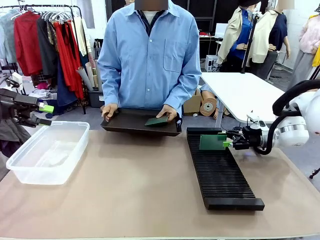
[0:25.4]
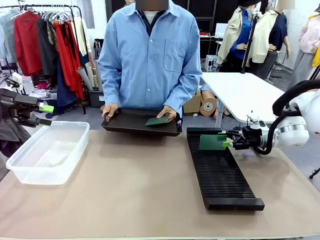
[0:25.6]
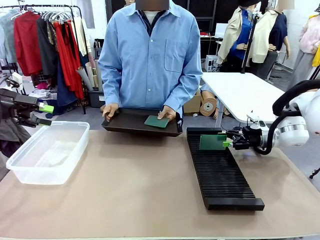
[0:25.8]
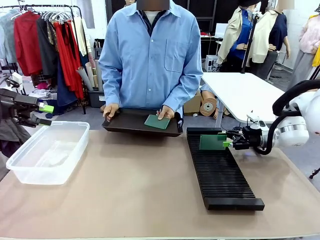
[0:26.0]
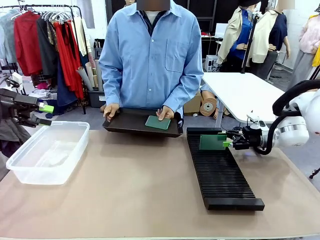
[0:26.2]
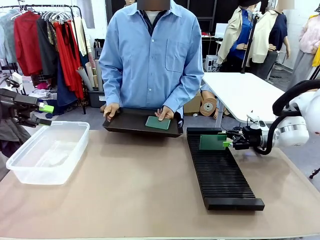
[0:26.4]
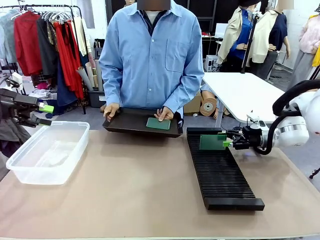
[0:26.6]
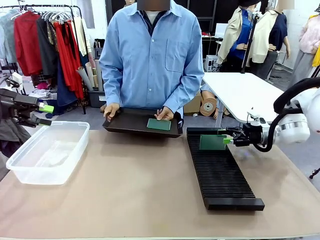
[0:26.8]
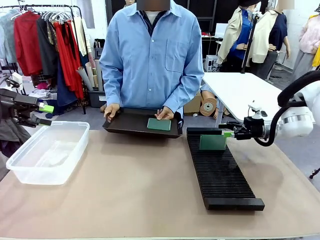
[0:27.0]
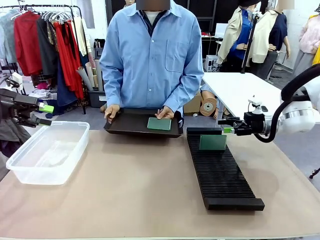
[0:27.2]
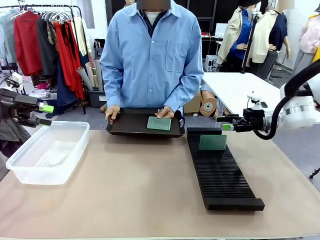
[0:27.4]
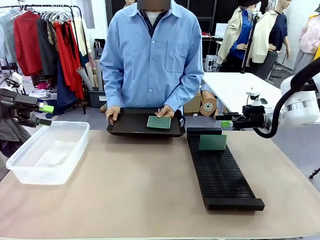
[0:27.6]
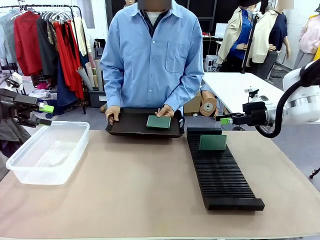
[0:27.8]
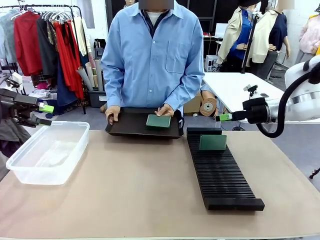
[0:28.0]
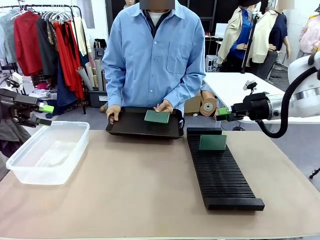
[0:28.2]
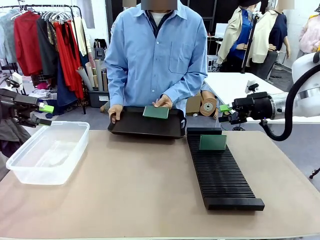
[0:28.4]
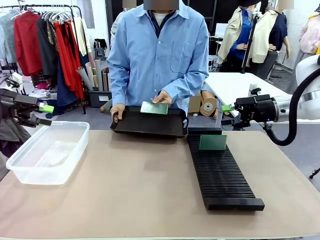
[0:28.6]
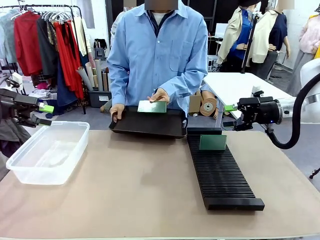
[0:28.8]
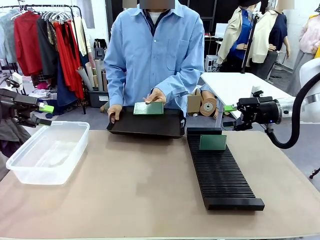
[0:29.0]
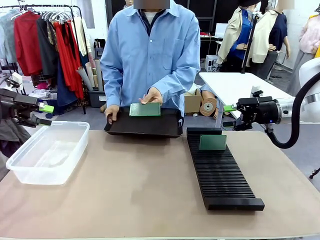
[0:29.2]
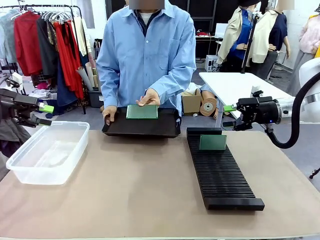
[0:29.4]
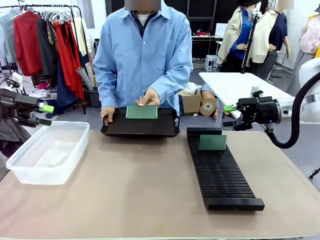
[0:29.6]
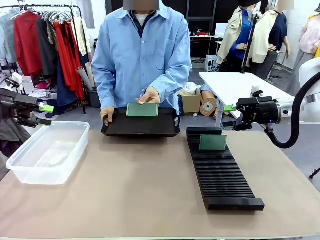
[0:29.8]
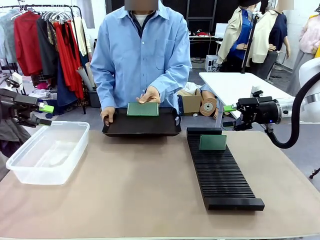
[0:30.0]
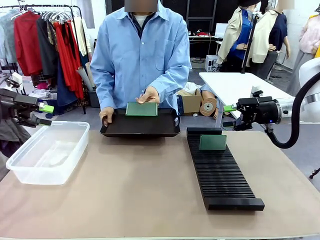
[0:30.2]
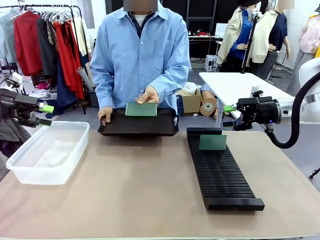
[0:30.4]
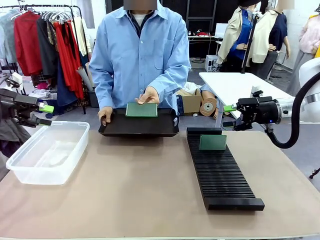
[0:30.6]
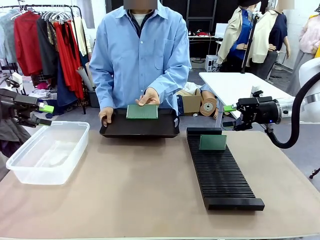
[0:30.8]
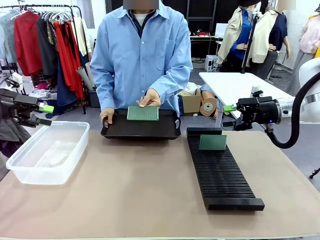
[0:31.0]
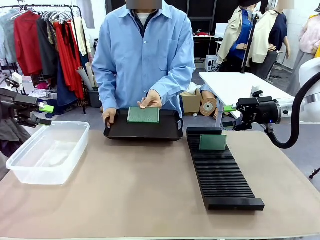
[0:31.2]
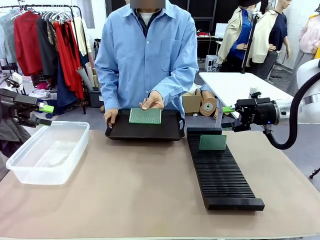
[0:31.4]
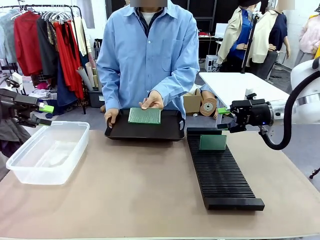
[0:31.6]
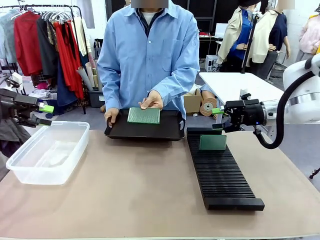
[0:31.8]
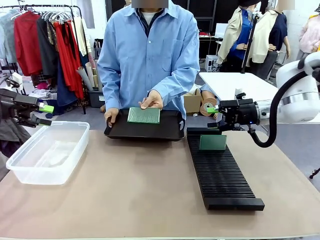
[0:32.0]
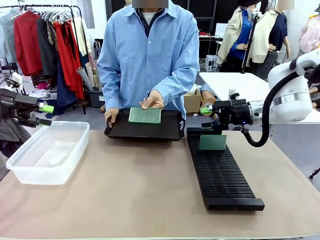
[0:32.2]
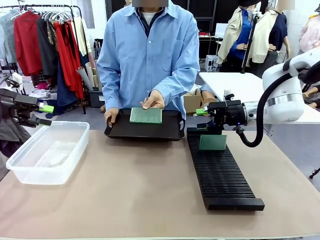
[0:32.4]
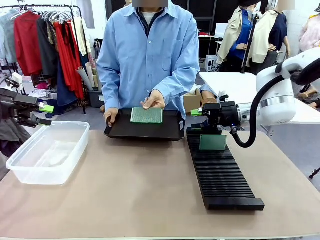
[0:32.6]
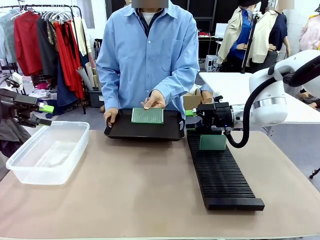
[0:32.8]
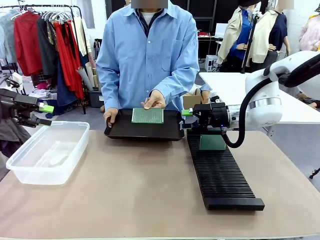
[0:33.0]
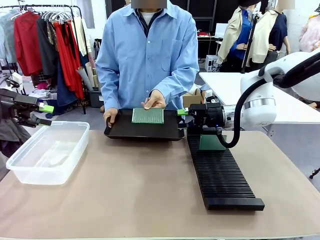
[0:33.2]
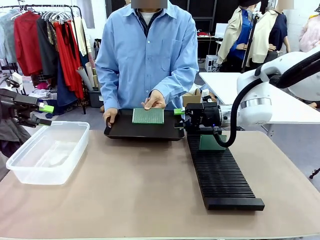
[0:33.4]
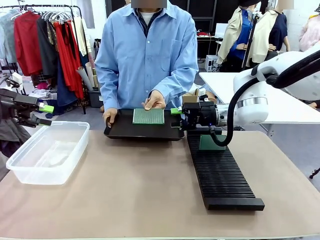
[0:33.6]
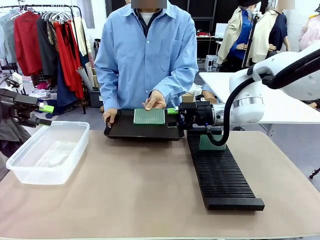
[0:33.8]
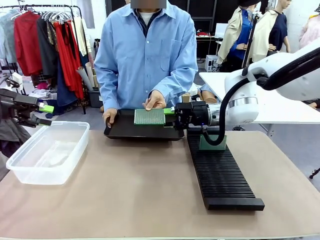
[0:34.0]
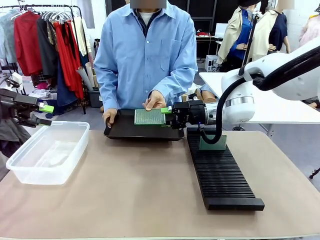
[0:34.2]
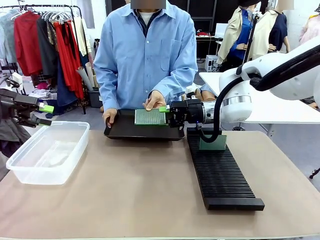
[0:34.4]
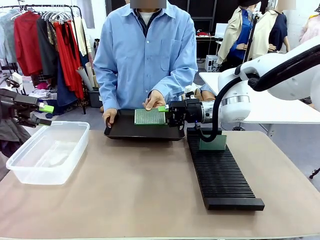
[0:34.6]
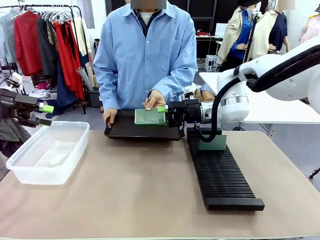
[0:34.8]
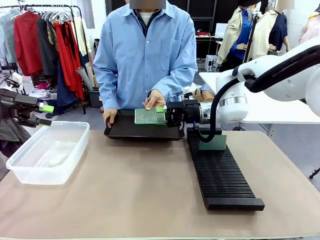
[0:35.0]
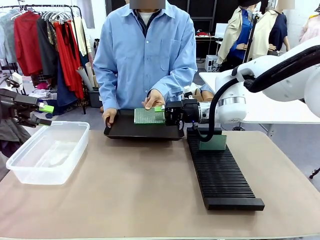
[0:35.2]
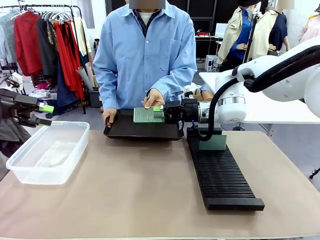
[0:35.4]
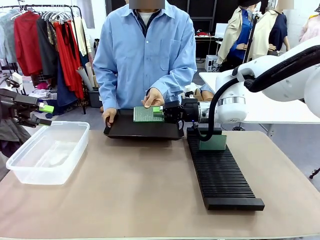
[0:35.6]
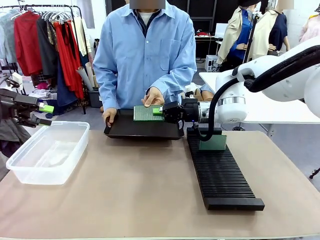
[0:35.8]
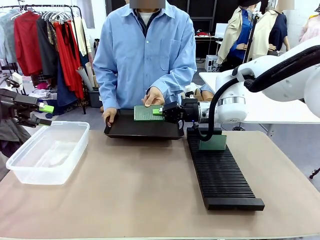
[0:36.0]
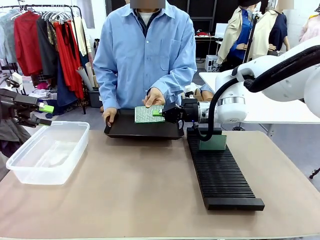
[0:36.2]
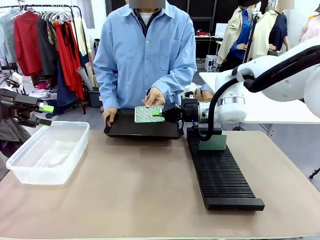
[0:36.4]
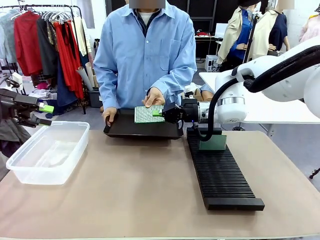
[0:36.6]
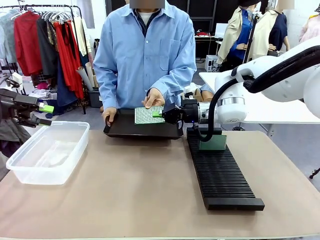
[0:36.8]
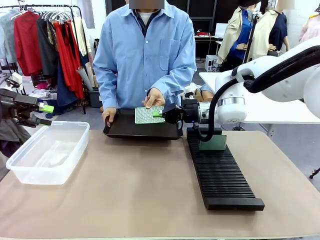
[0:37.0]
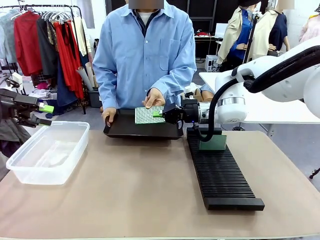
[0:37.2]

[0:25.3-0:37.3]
Task: Sort PCBs into racks and boxes based on the side picked up.
Robot: Pick up the Blank PCB handed by the Human.

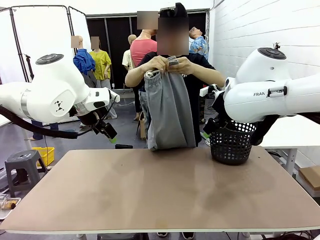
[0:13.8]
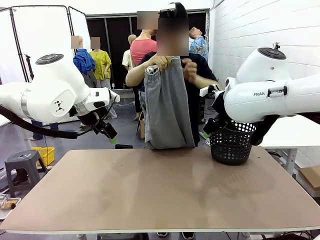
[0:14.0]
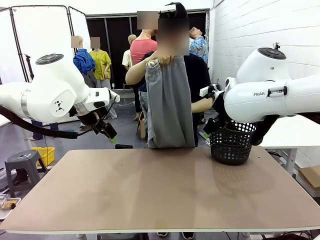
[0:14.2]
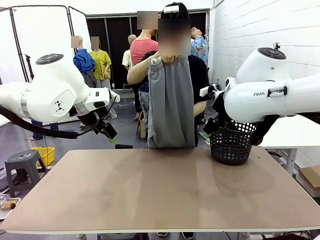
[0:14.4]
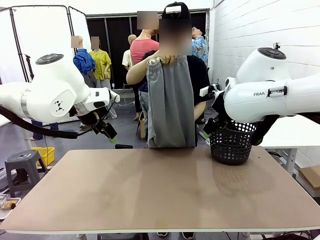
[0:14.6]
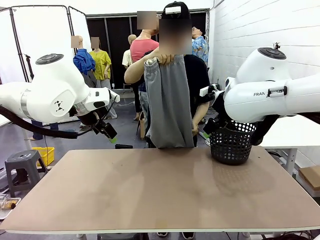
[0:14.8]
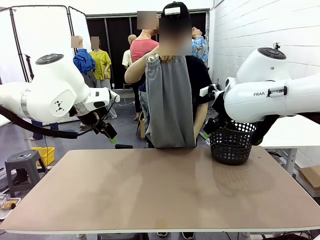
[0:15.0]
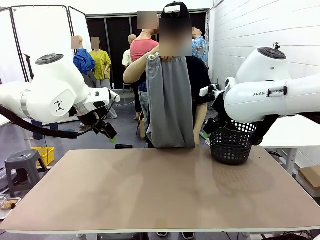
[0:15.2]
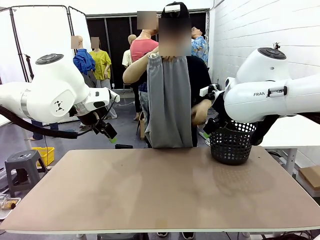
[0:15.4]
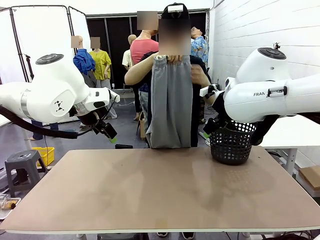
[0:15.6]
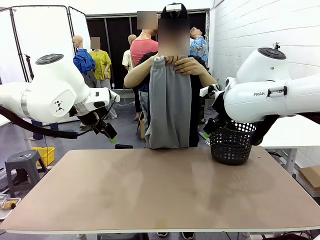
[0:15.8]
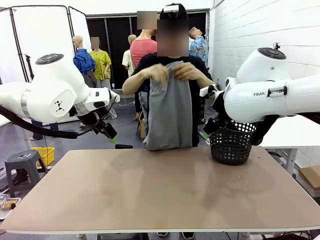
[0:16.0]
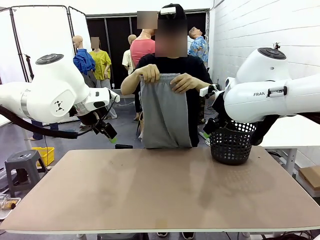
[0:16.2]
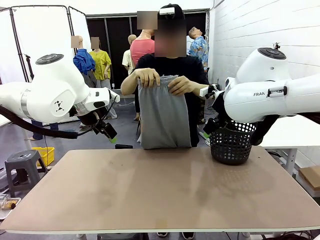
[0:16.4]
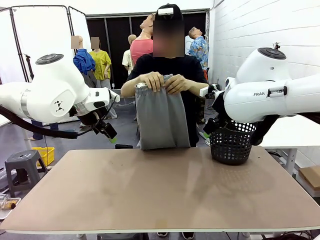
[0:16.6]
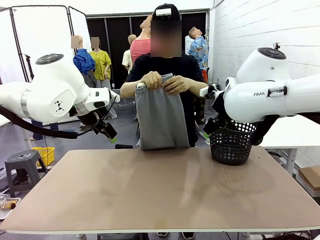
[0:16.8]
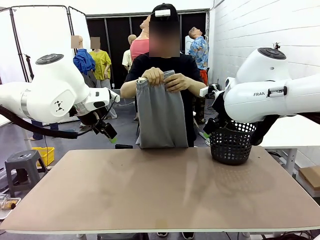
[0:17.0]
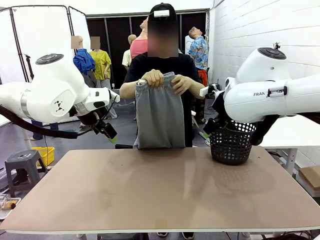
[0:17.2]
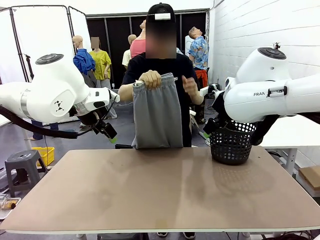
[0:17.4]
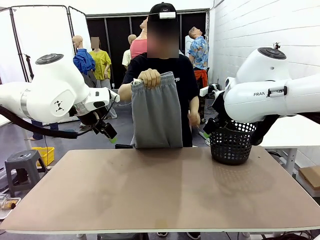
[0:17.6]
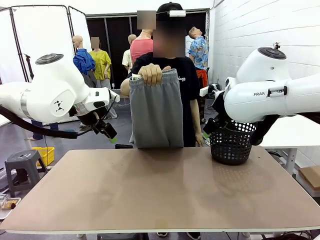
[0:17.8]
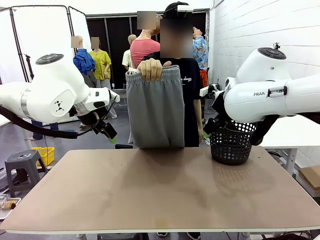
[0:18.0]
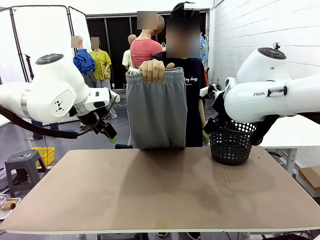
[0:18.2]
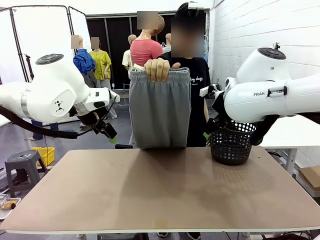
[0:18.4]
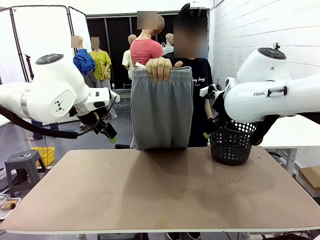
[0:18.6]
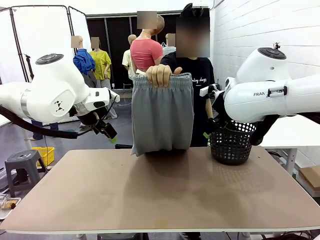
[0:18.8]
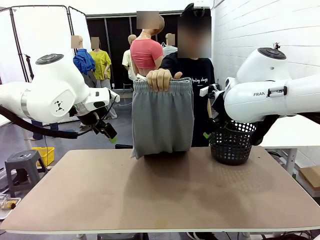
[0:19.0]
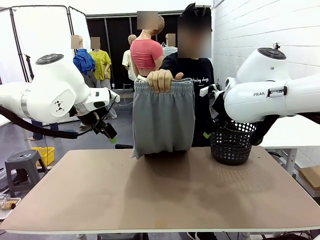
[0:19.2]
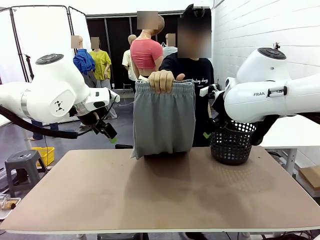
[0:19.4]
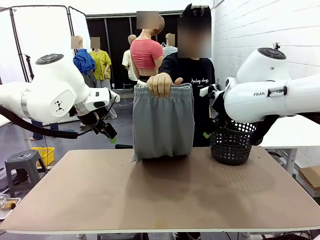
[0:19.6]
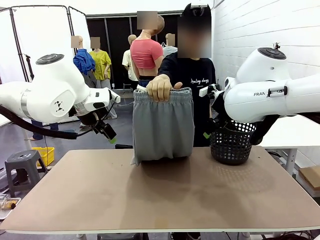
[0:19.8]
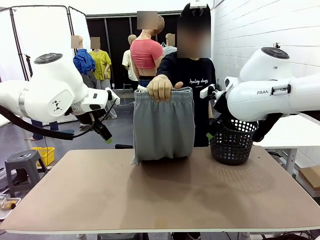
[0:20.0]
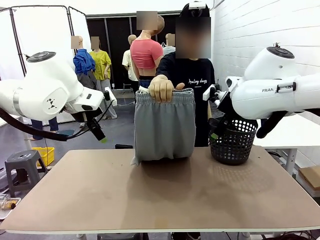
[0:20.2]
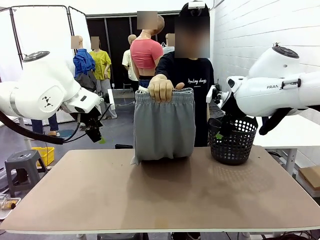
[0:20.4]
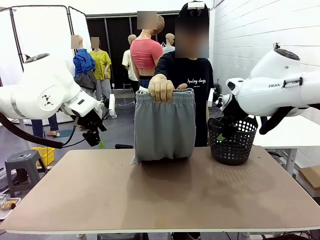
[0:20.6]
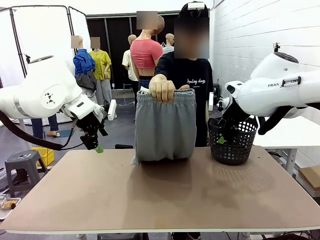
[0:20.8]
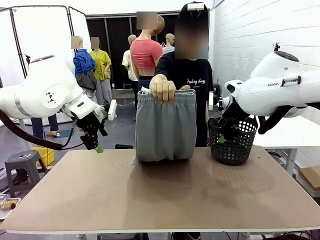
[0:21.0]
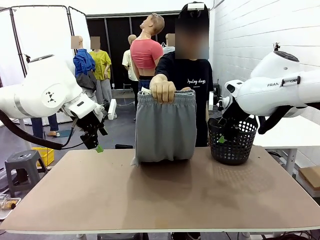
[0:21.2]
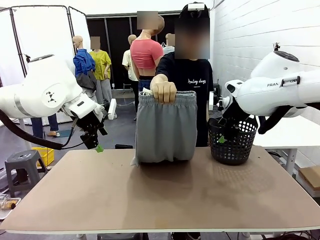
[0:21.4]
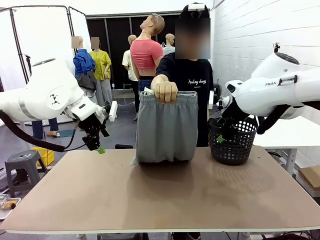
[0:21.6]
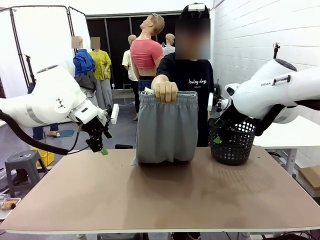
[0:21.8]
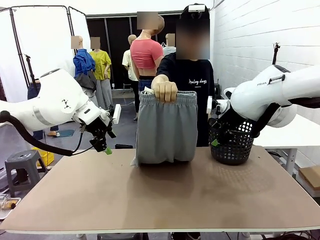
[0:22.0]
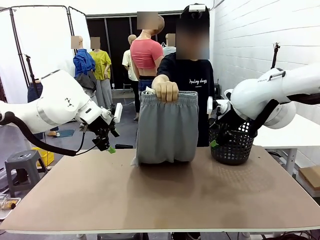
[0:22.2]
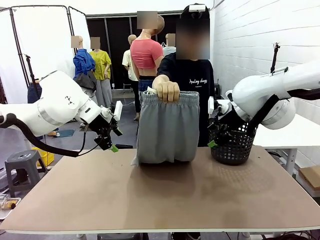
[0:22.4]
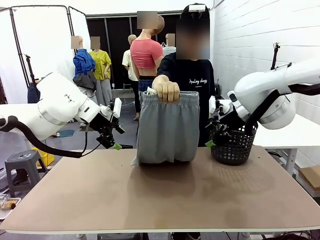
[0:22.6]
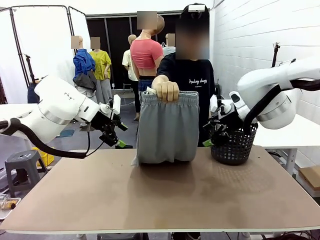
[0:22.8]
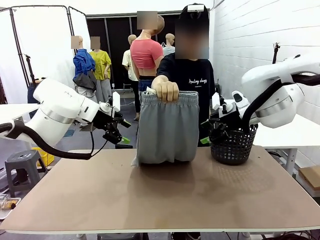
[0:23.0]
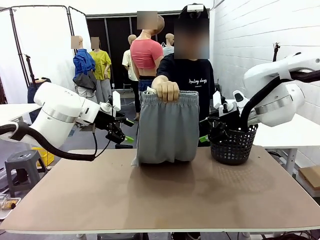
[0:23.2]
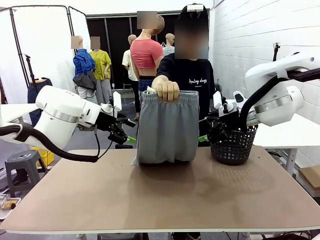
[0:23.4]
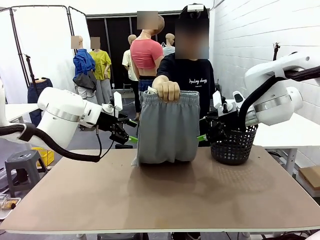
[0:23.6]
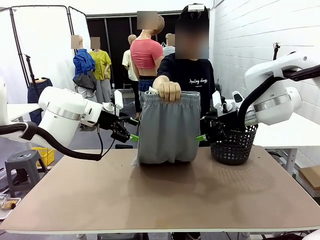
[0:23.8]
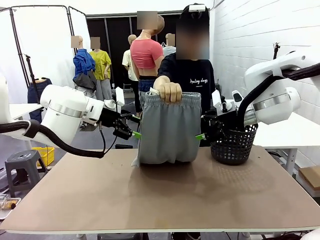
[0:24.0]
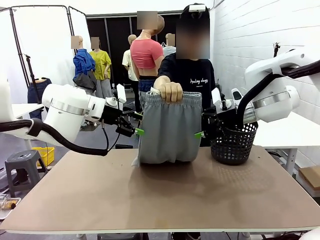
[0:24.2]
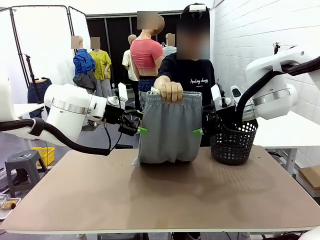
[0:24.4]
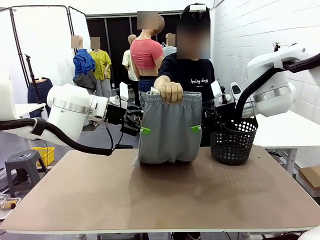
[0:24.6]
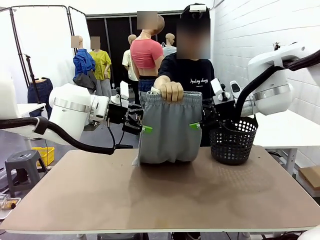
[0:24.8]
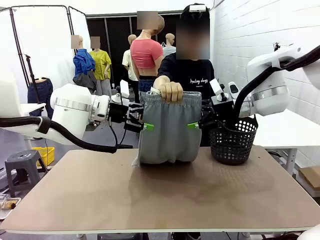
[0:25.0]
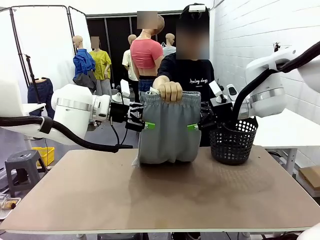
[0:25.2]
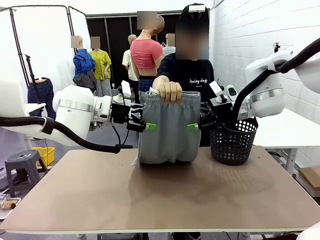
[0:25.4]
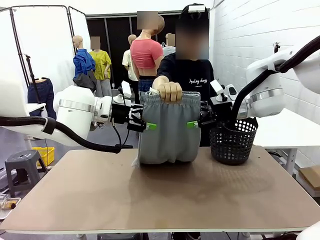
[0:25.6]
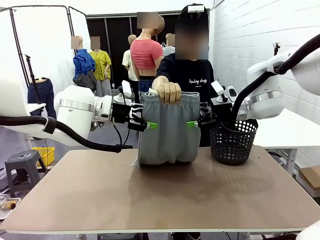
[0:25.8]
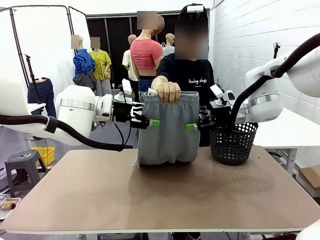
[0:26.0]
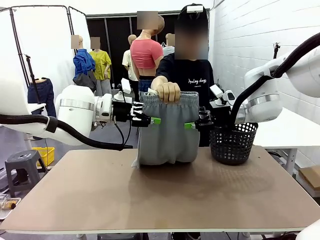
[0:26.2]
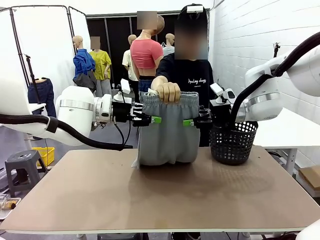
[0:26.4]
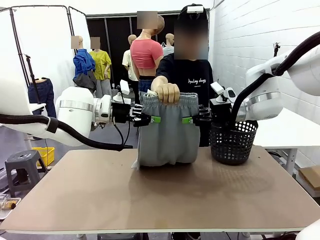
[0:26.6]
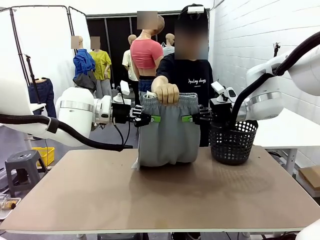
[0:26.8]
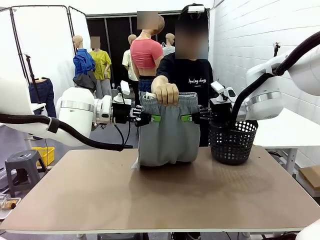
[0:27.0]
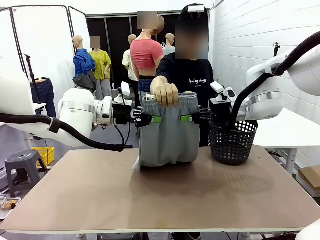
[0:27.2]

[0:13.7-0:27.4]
Task: Fold the training pants.
Robot: Grab both ends of the Training pants handed by a person.
